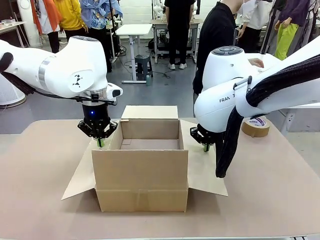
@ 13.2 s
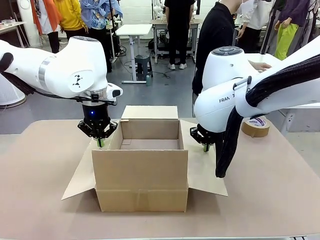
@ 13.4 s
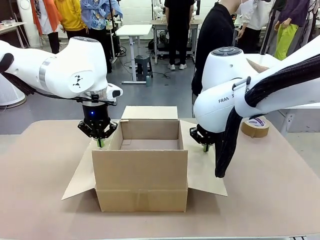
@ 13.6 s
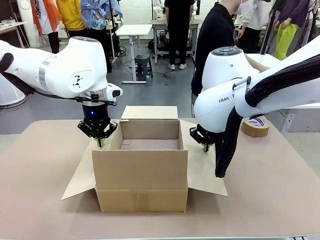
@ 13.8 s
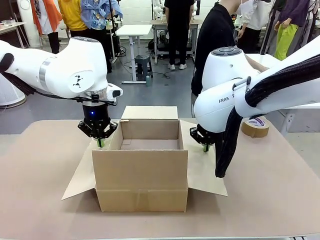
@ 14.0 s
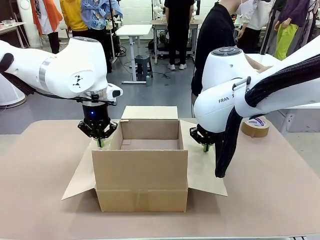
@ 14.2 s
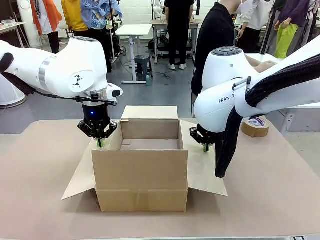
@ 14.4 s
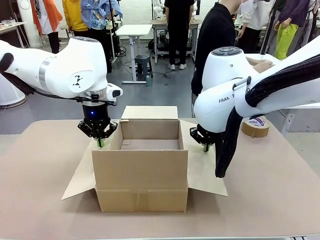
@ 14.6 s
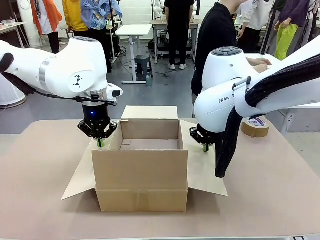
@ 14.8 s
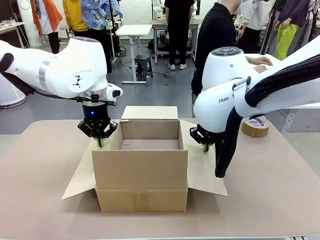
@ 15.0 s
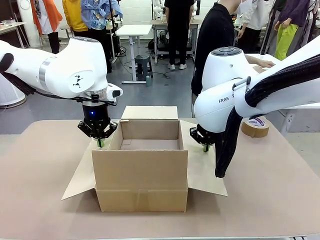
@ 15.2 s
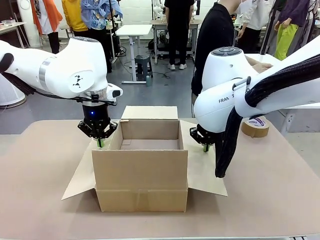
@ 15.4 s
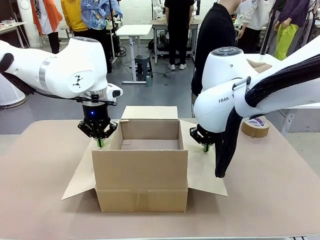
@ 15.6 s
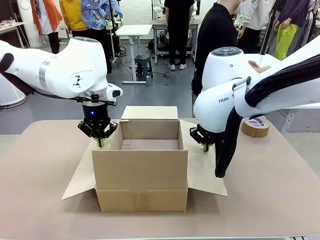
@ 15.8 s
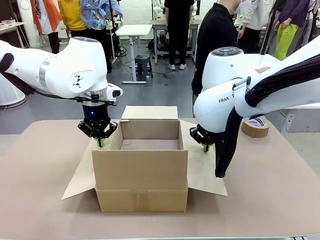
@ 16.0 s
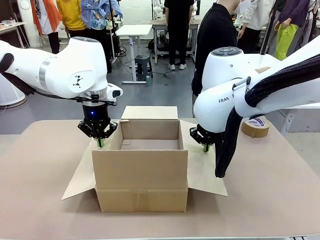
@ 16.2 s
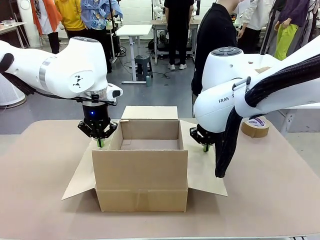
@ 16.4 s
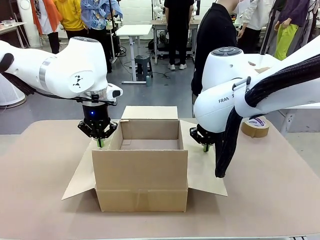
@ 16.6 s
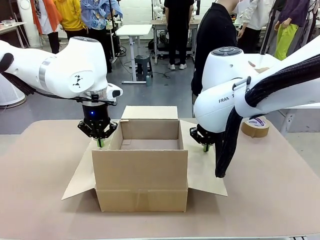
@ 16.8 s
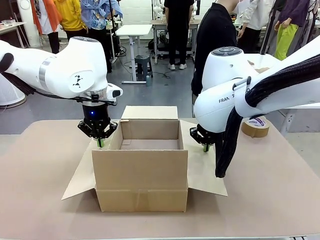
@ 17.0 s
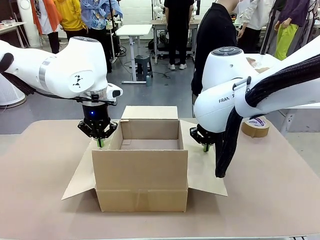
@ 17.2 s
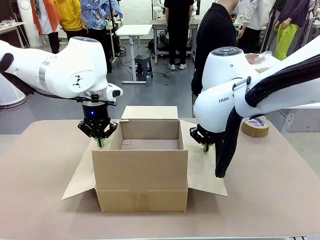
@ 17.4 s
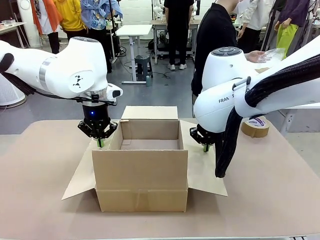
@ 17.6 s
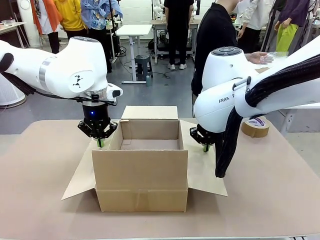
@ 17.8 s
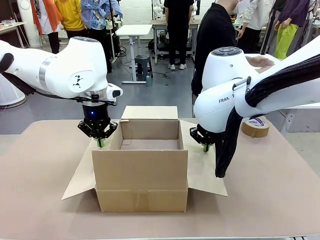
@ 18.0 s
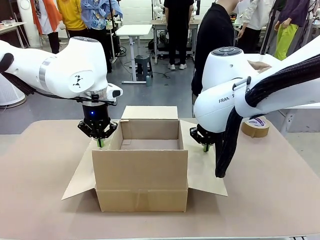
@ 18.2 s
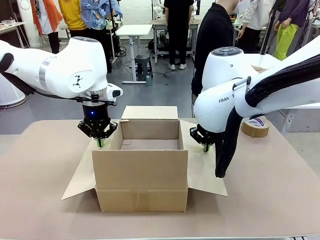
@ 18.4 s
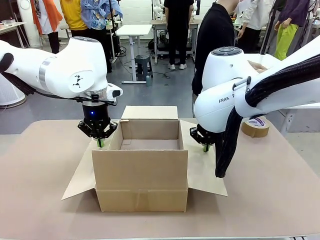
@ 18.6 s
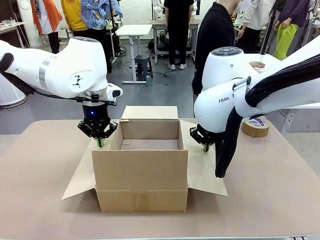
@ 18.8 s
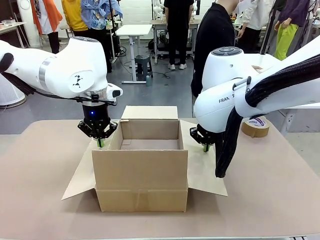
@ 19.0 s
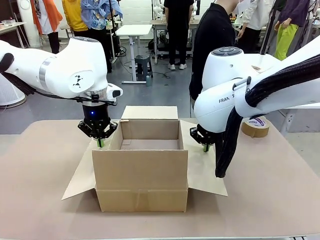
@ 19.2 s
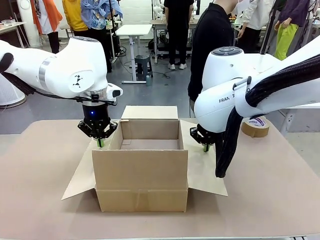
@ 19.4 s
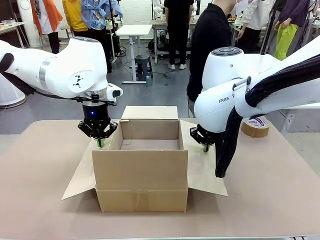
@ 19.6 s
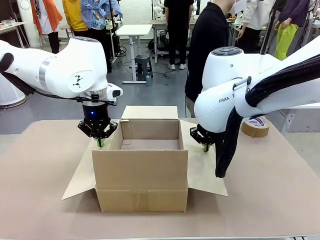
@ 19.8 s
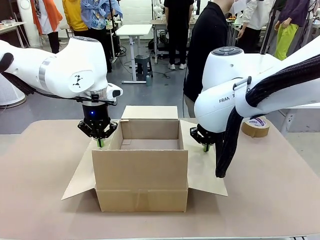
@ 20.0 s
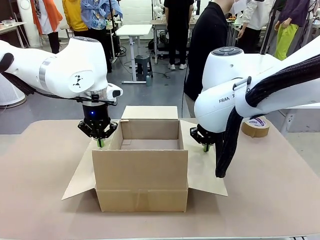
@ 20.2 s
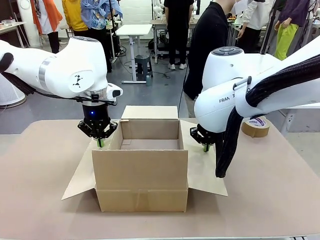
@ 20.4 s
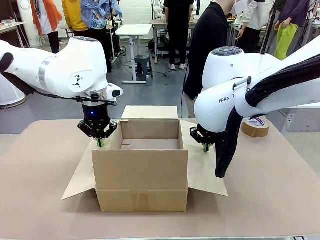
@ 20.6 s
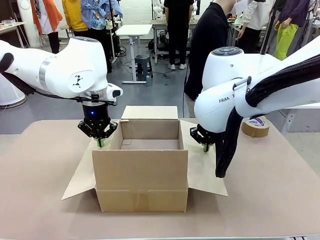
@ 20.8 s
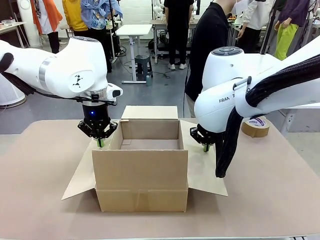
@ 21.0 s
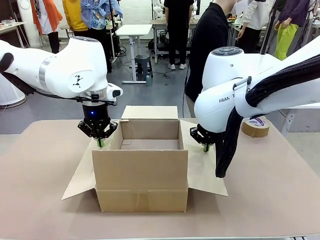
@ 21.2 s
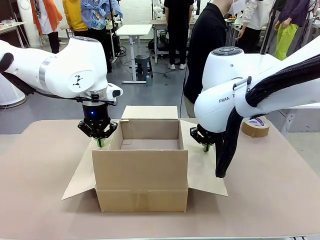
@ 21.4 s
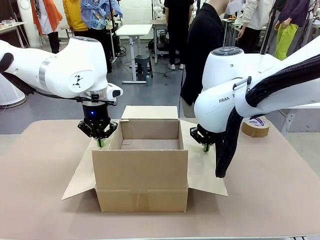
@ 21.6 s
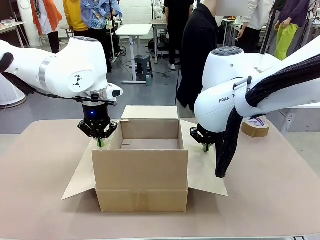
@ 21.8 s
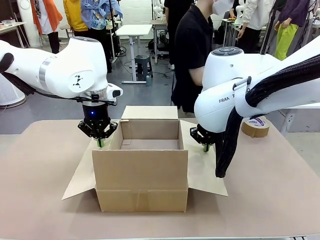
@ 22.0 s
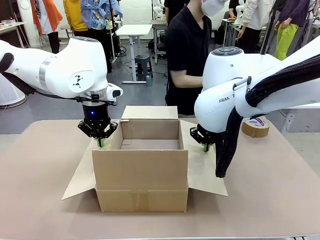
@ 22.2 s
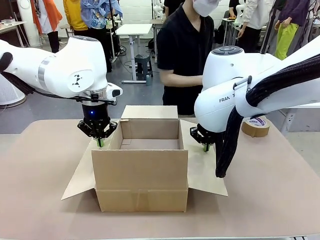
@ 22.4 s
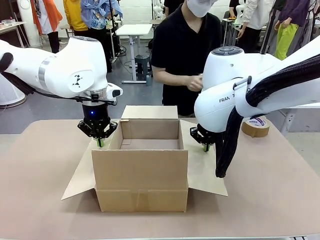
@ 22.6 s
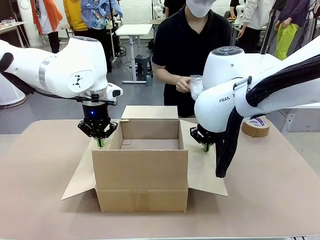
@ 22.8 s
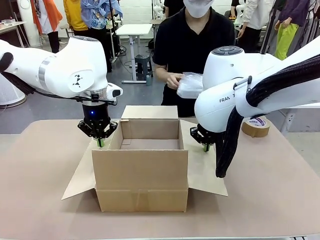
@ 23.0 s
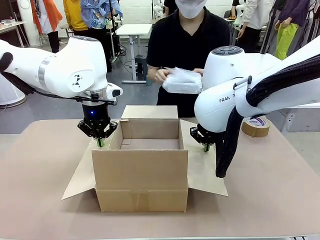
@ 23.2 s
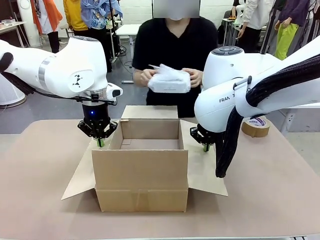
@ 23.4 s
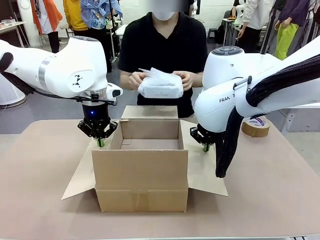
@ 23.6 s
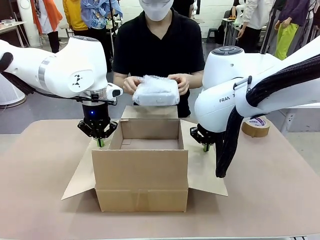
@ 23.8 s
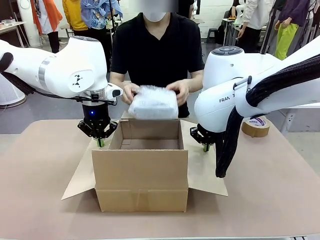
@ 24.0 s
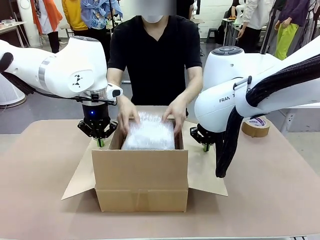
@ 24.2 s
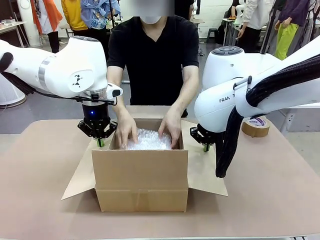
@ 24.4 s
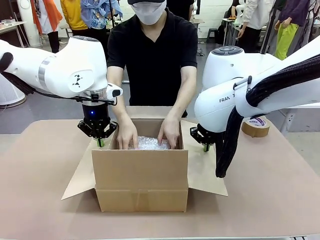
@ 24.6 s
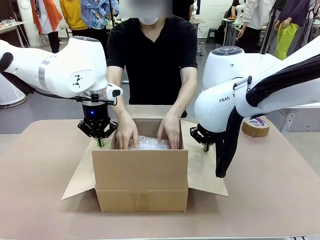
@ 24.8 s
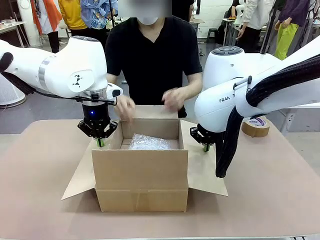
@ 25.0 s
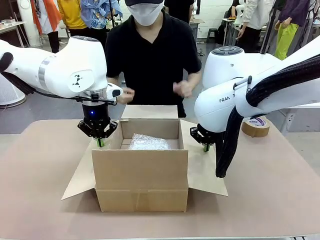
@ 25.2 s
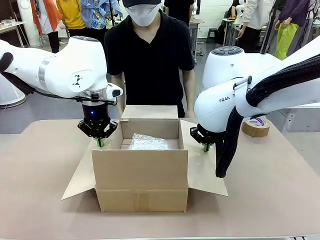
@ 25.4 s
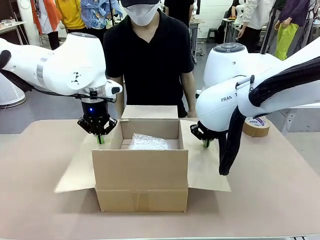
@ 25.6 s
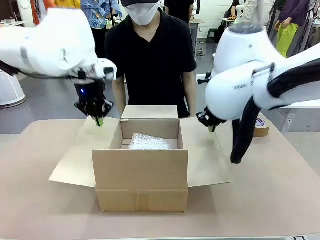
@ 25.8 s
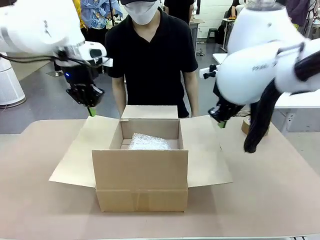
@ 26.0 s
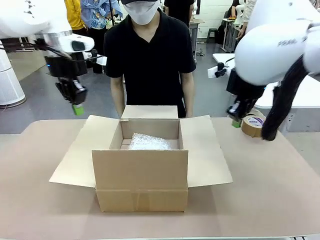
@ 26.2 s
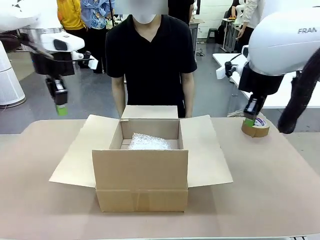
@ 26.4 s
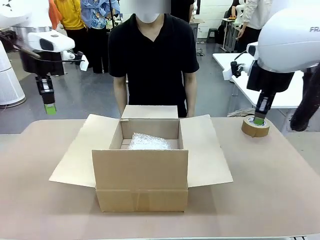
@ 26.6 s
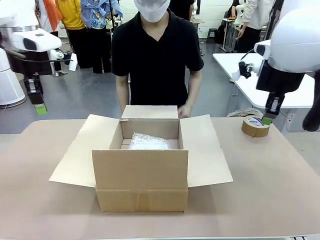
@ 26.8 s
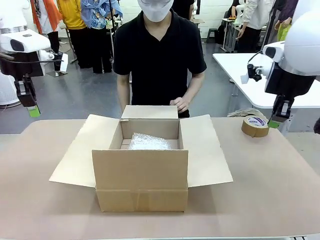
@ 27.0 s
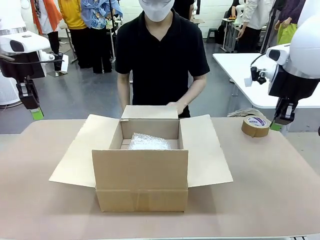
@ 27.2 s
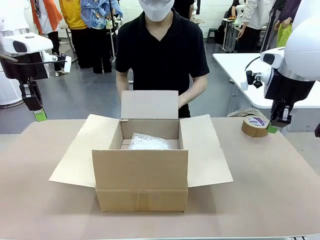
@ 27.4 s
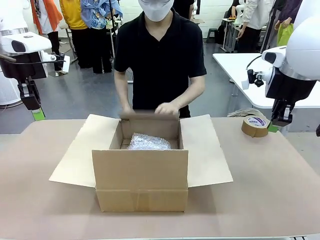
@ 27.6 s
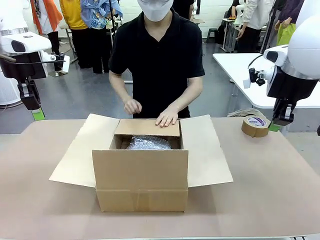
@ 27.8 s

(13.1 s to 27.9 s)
Task: Wrap the clocks to prevent damage.
Robot: Once the human has placed the objects inside and stepped back, release both hands from the side flaps of the Package Box.
Person: Place the wrapped Digital clocks inside the Package Box. Hold the top and bottom flaps of the Package Box closed with your left (or right) hand.

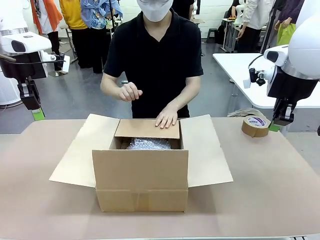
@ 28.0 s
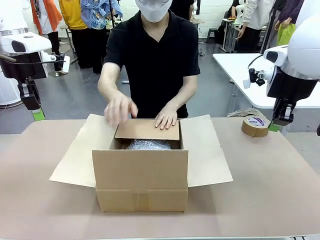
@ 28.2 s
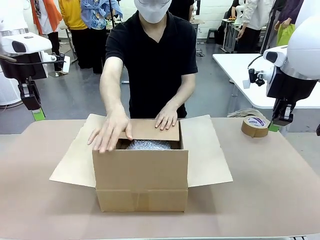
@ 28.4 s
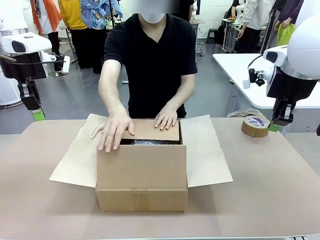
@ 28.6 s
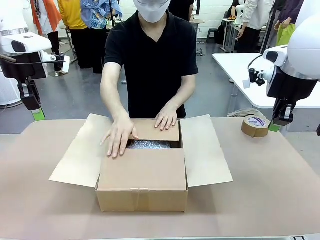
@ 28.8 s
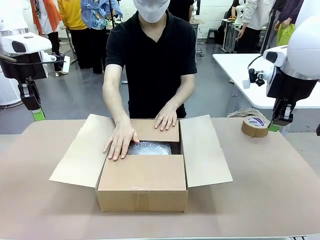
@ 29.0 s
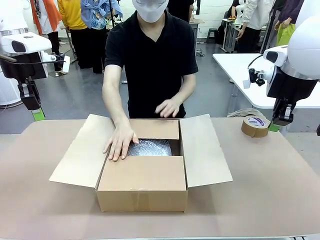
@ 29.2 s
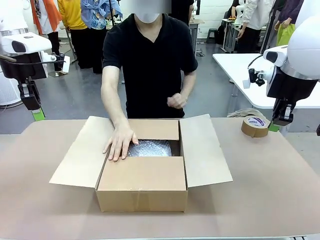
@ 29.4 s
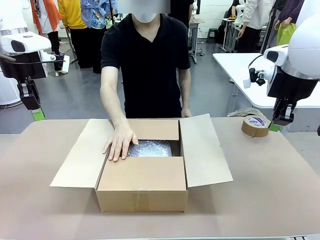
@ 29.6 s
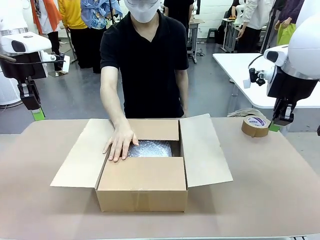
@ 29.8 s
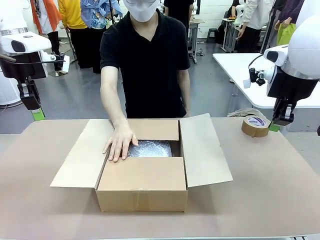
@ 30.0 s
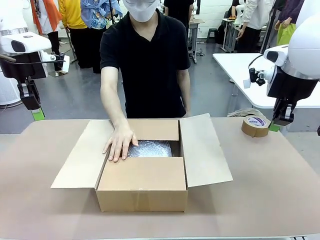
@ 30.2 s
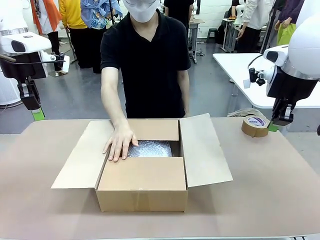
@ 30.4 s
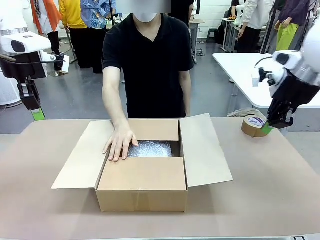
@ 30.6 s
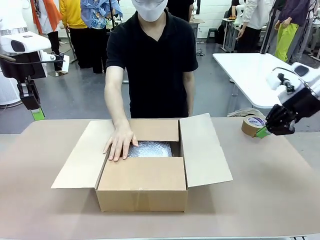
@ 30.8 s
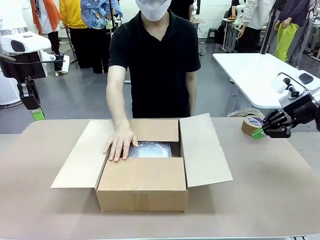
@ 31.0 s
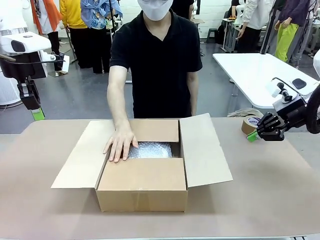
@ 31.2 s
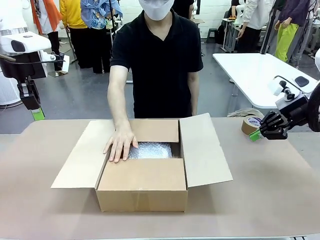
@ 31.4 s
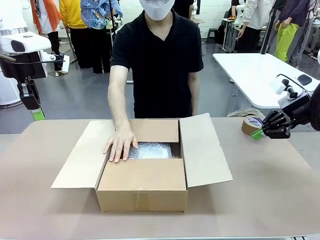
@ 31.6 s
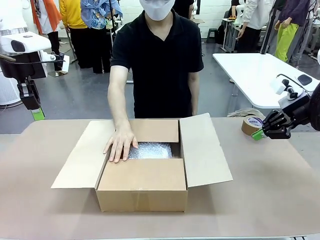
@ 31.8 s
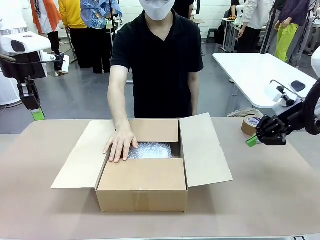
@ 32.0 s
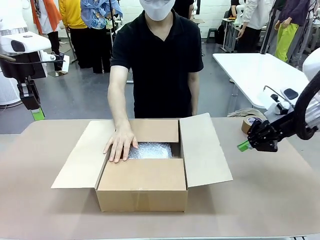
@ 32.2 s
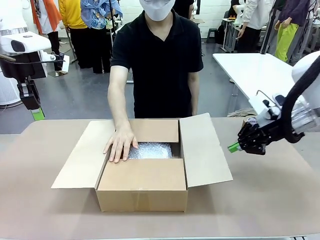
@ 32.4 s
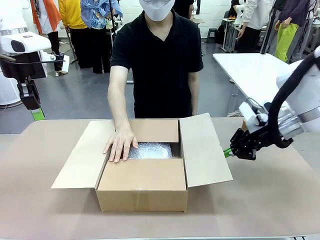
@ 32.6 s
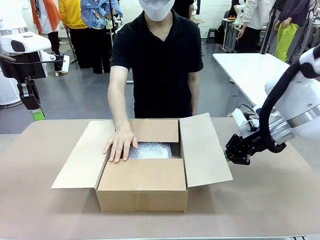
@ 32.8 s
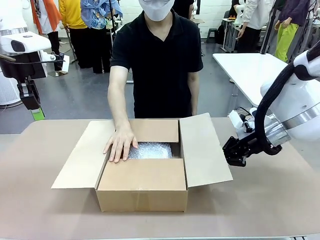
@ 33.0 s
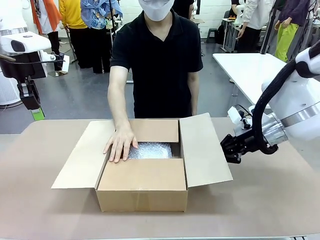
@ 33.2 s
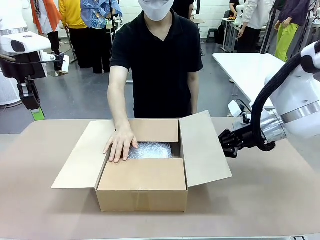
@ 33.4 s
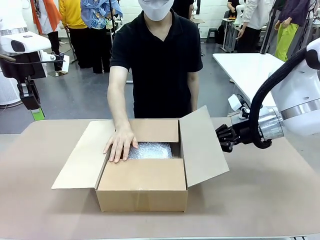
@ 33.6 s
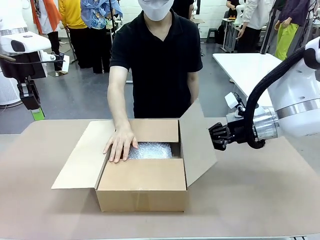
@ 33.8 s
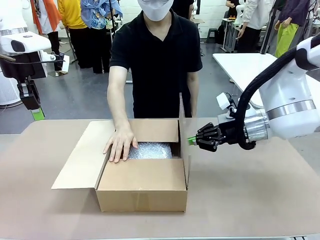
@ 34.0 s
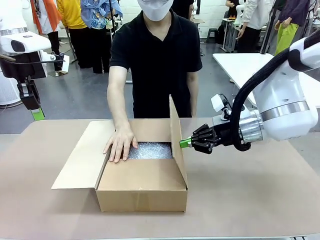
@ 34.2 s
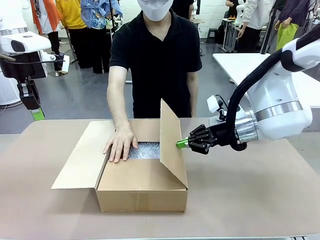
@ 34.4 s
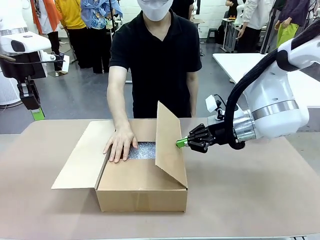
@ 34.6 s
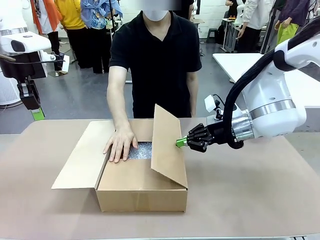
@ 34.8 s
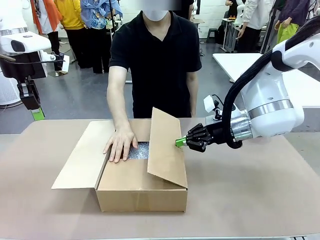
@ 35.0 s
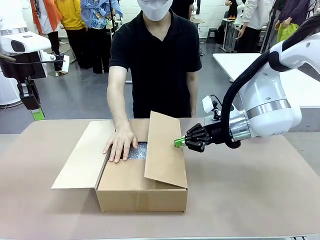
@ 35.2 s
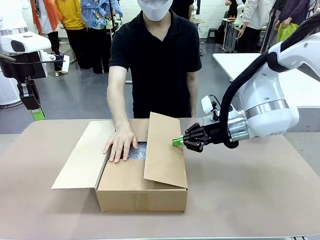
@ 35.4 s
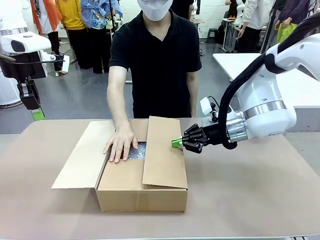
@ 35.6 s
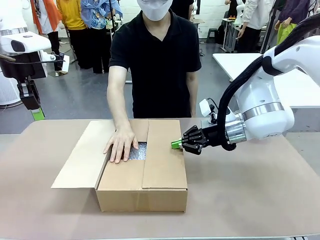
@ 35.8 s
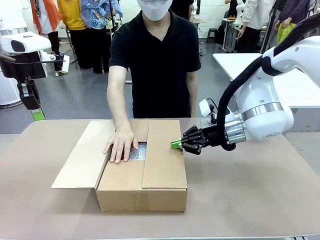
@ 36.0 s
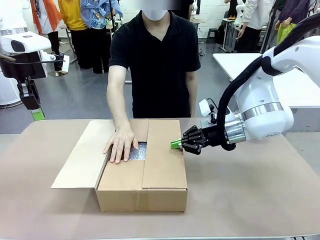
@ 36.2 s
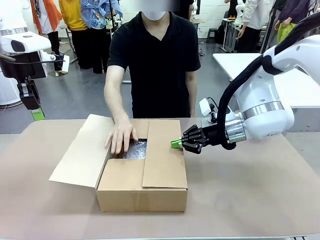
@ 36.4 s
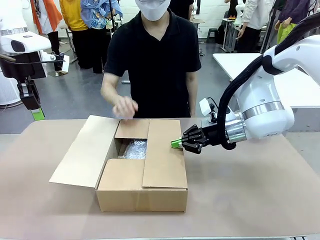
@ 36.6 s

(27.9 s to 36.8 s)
Robot: Push the right (or left) flap of the Package Box to close it.
Person: Once the robot closes the right flap of the Package Box , release your left hand from the box.
